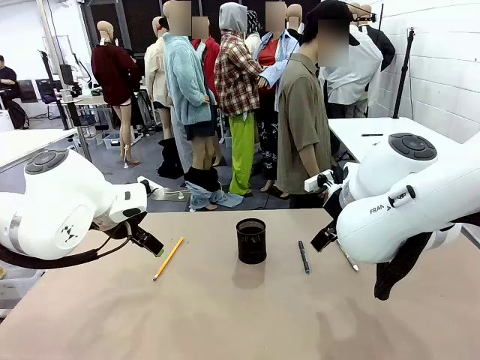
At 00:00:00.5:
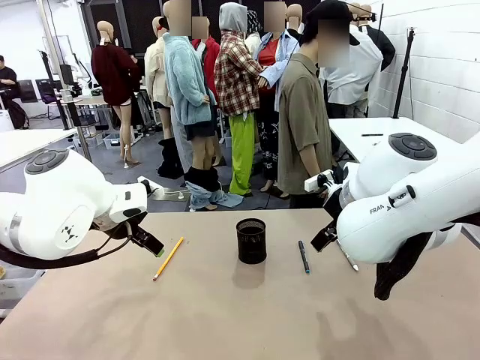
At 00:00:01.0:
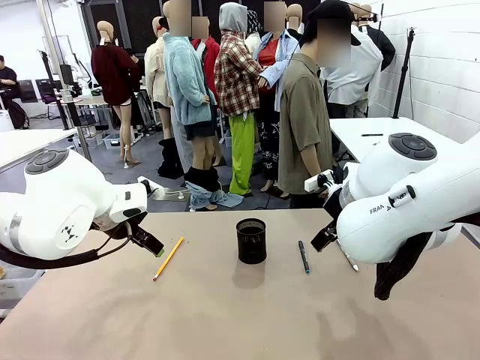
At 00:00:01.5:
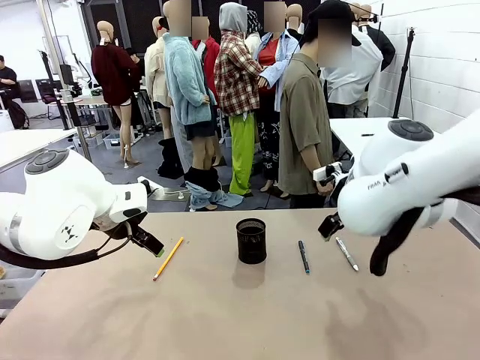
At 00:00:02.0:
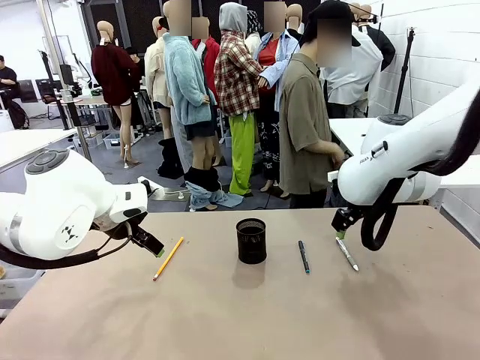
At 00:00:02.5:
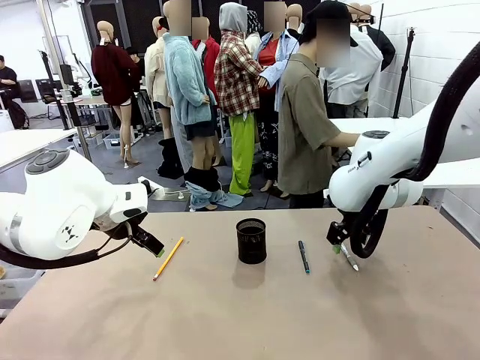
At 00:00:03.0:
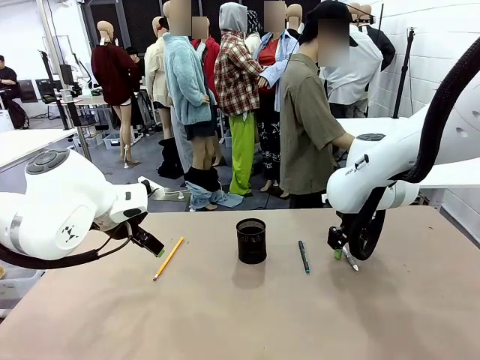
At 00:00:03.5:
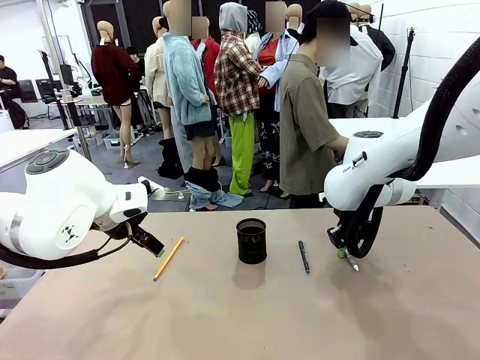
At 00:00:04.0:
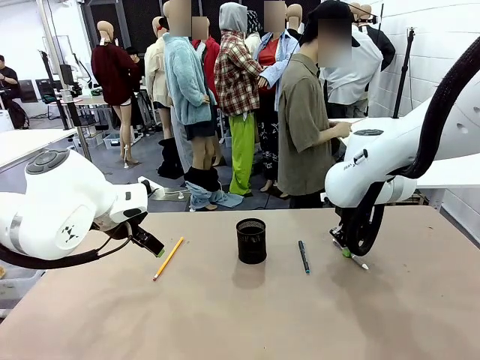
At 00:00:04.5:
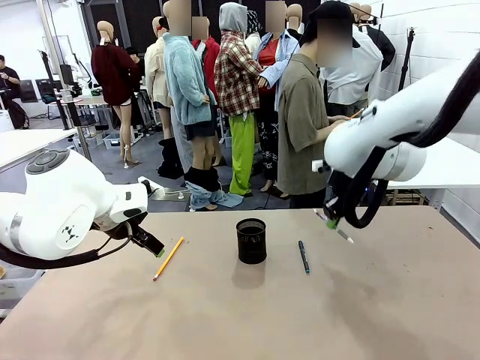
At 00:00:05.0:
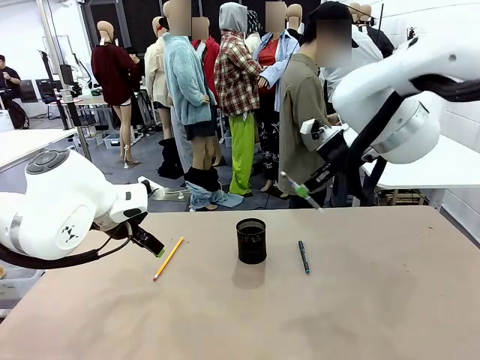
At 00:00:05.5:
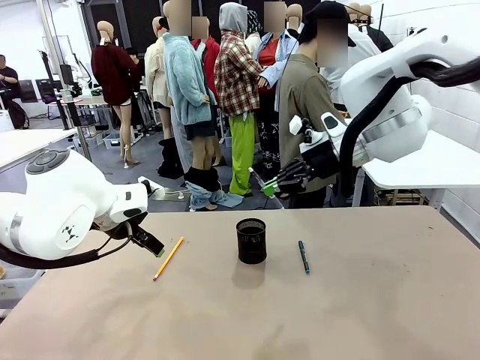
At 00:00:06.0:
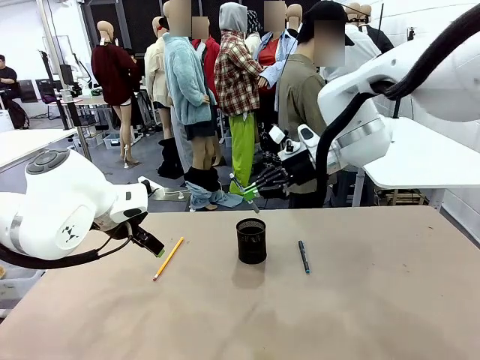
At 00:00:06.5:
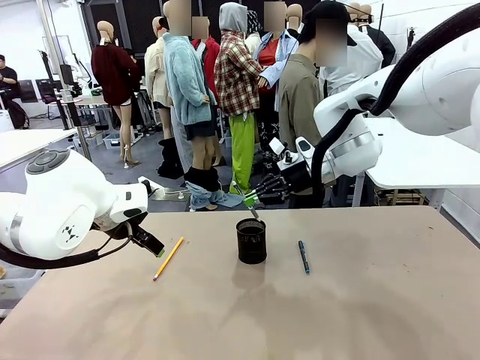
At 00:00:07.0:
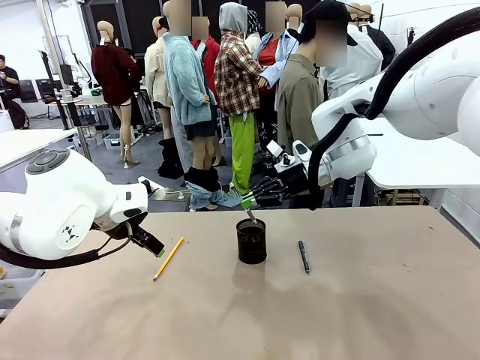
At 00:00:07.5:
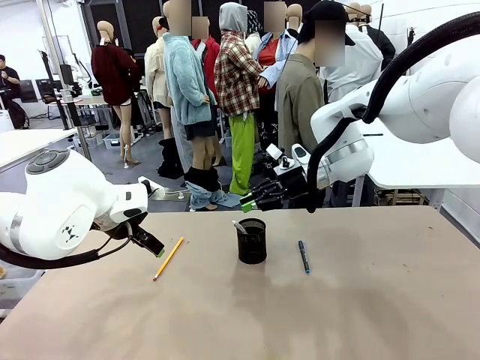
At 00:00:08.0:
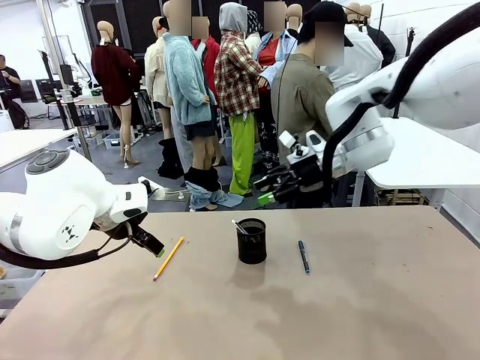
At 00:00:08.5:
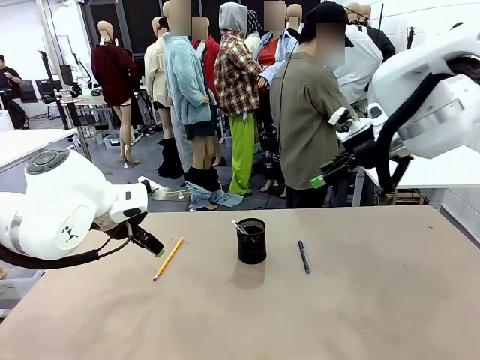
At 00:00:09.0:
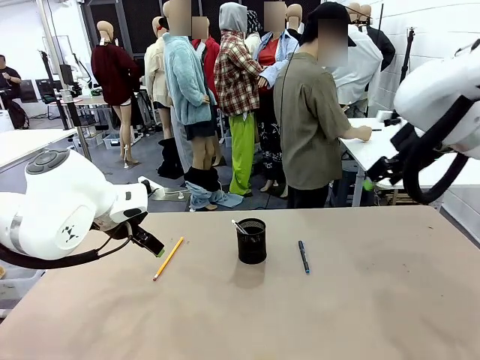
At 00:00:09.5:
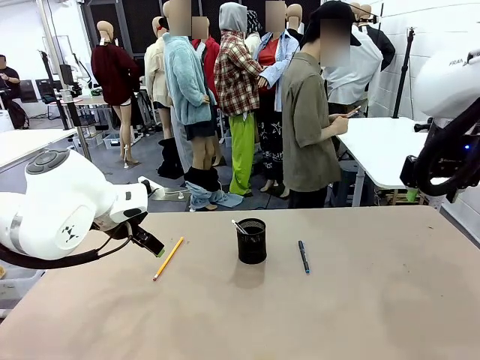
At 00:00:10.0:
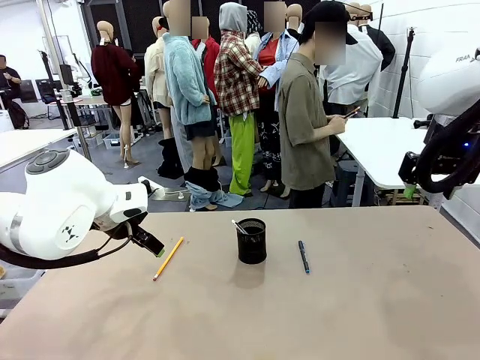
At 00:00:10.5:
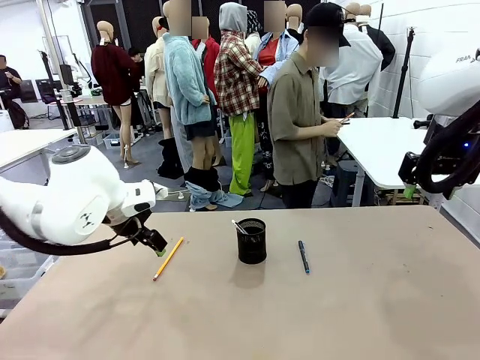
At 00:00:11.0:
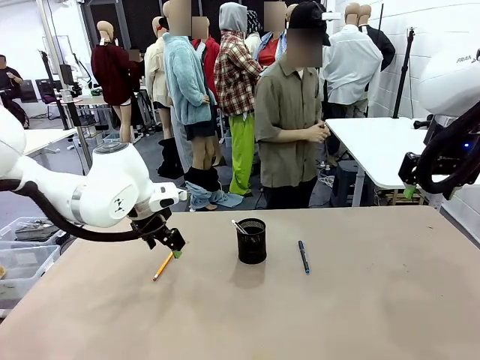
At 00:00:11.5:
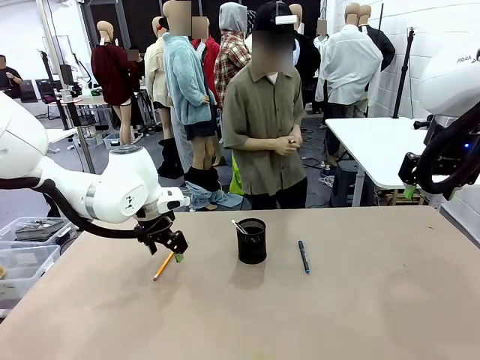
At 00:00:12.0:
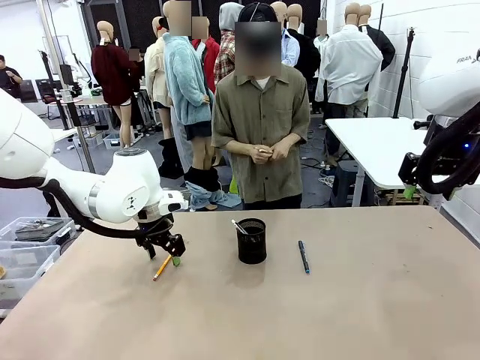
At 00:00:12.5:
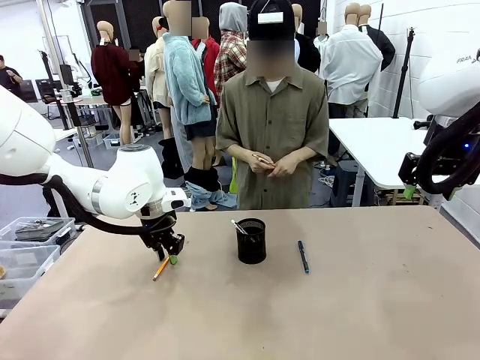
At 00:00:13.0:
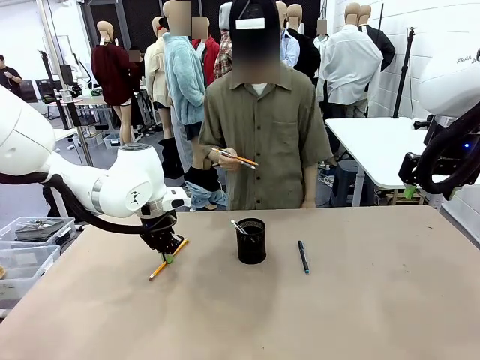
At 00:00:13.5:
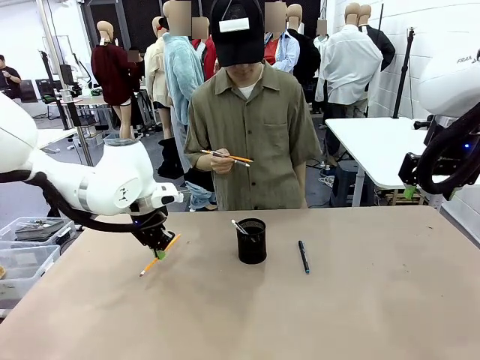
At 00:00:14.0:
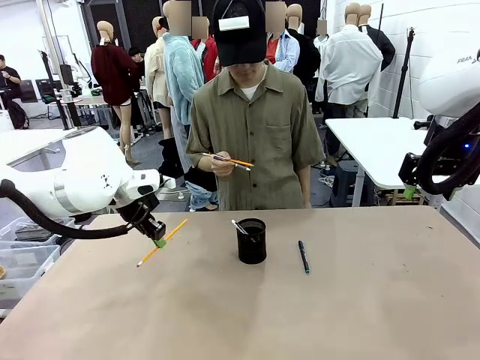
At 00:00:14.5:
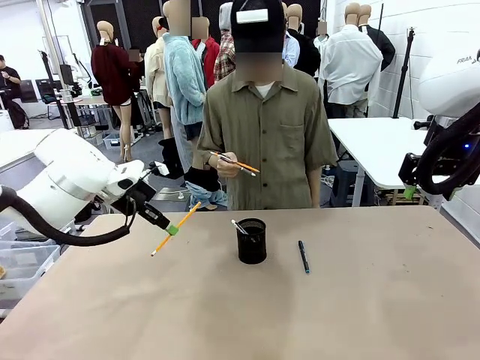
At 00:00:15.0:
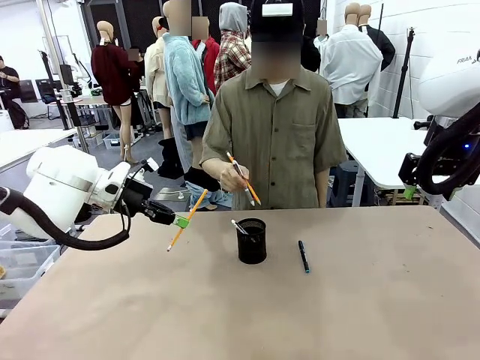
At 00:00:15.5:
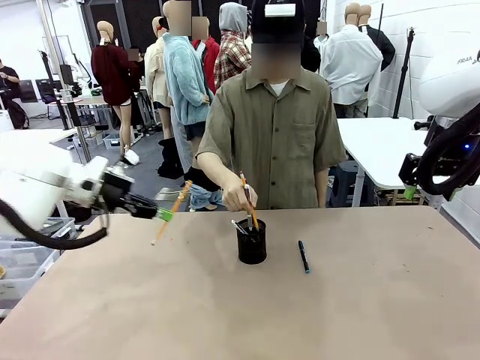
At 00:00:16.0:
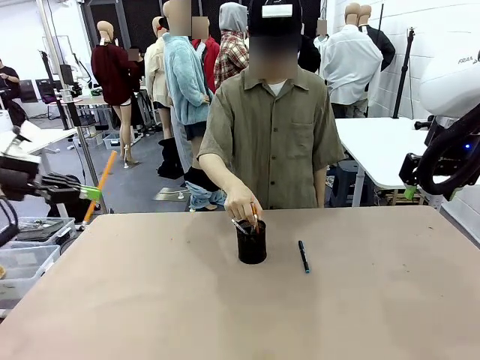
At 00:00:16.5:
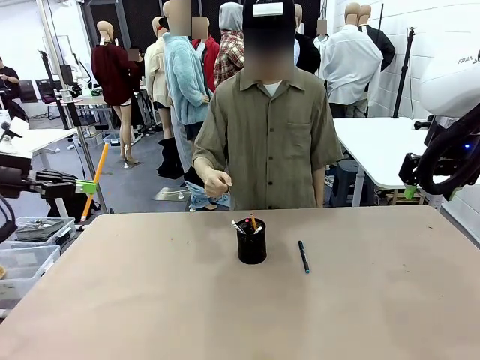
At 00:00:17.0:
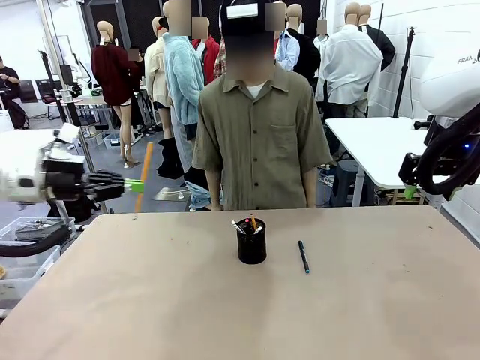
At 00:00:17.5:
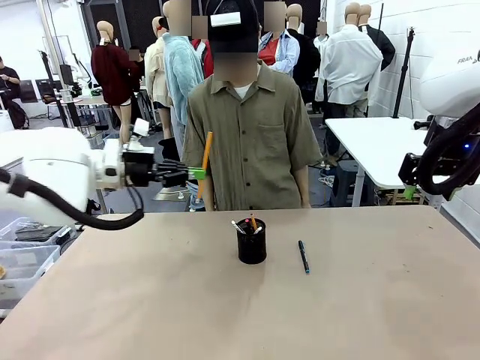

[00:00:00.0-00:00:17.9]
Task: Place the pens into the pen holder.
Robot: Pick up a writing instrument from the table and place it into the Pen holder.
Person: Pick up all writing instruments from the Human table.
